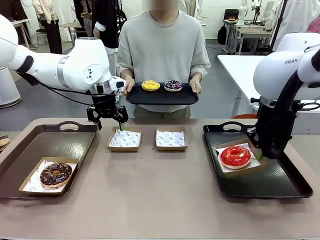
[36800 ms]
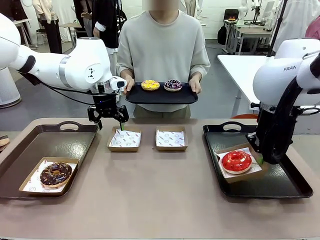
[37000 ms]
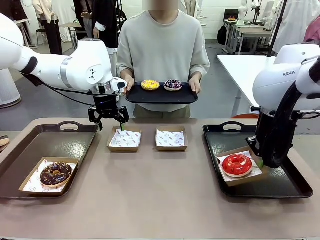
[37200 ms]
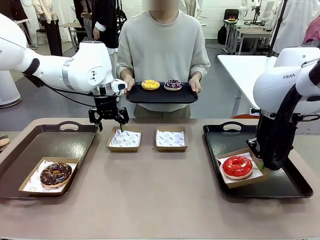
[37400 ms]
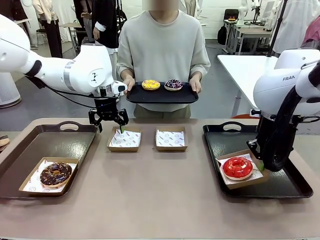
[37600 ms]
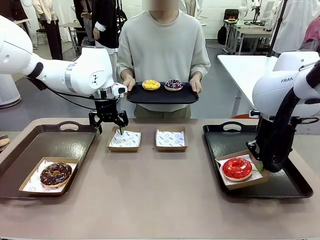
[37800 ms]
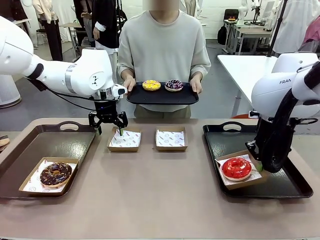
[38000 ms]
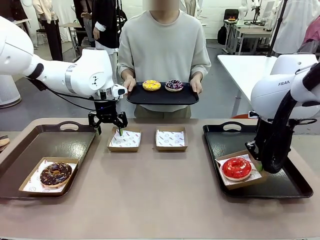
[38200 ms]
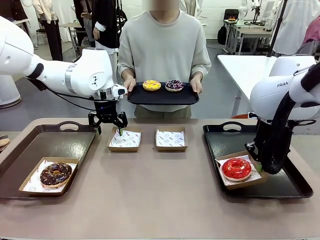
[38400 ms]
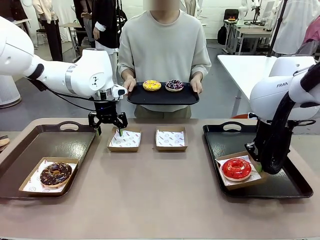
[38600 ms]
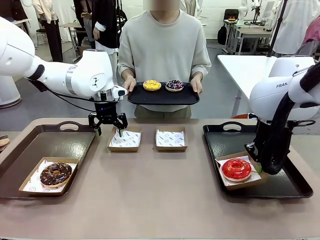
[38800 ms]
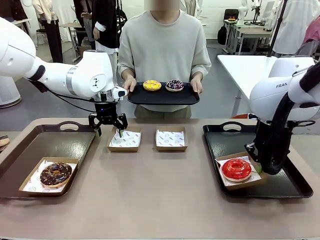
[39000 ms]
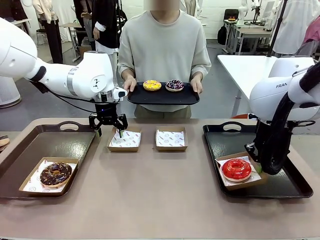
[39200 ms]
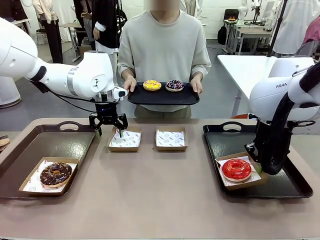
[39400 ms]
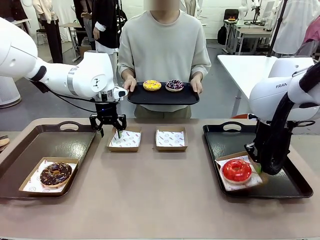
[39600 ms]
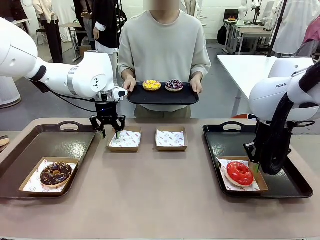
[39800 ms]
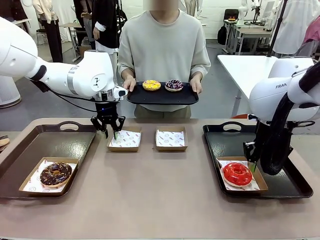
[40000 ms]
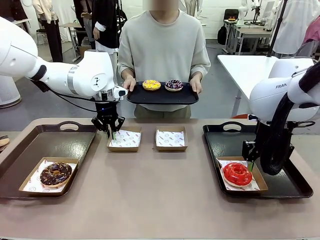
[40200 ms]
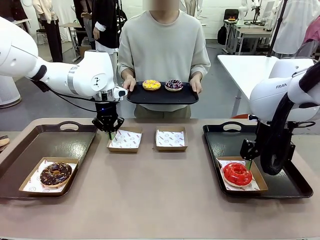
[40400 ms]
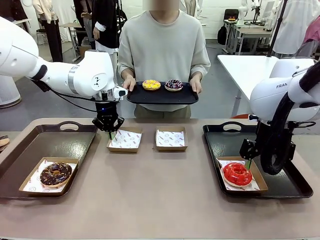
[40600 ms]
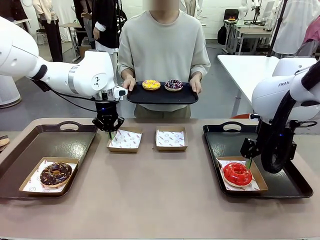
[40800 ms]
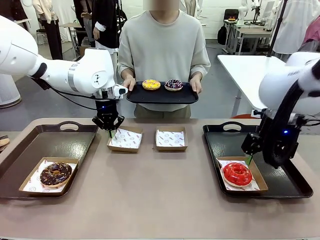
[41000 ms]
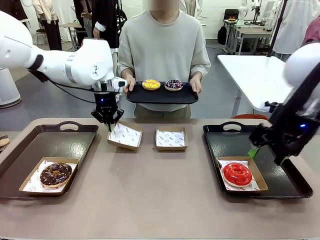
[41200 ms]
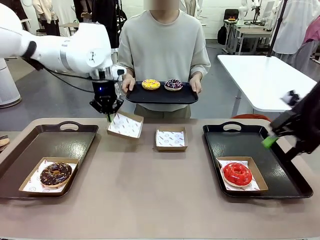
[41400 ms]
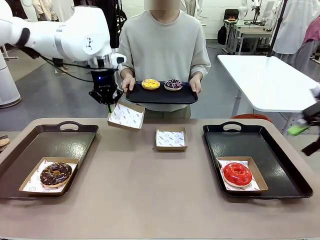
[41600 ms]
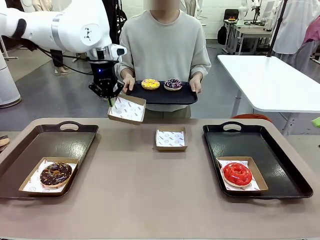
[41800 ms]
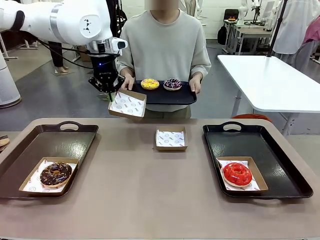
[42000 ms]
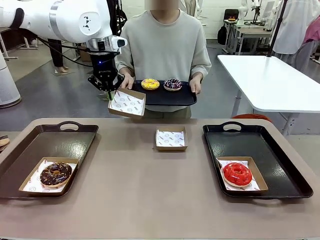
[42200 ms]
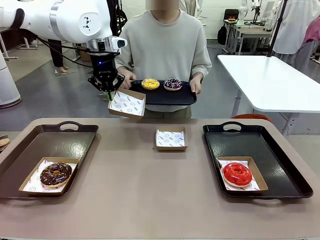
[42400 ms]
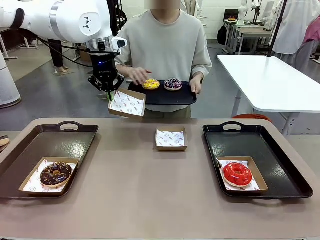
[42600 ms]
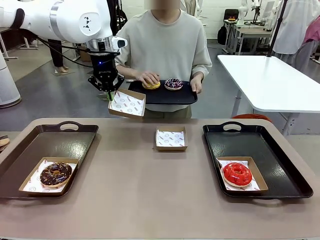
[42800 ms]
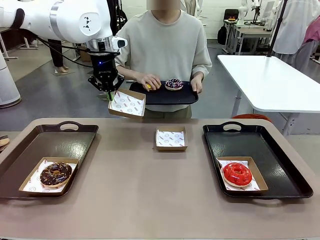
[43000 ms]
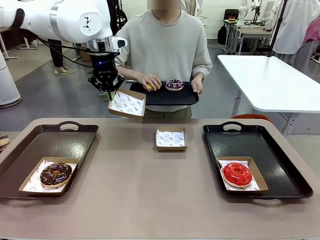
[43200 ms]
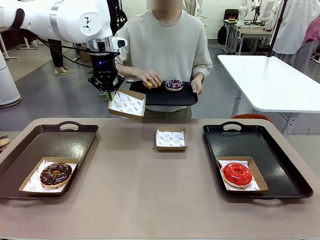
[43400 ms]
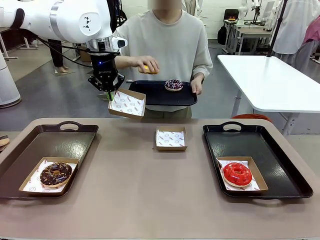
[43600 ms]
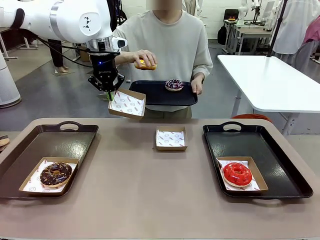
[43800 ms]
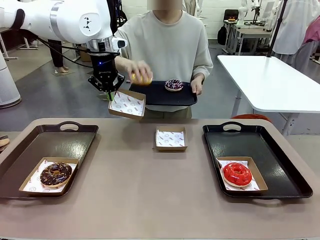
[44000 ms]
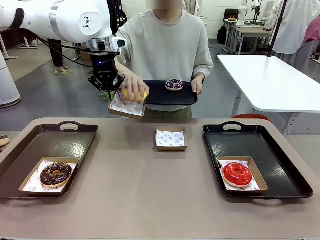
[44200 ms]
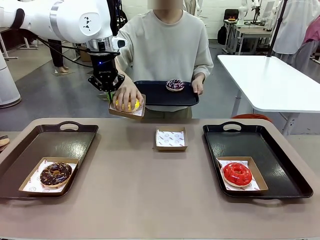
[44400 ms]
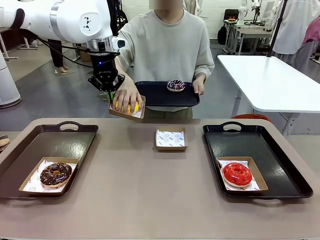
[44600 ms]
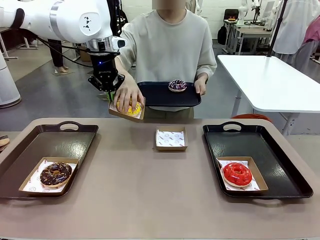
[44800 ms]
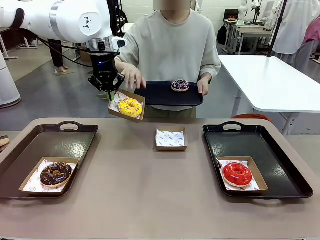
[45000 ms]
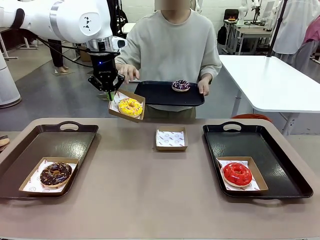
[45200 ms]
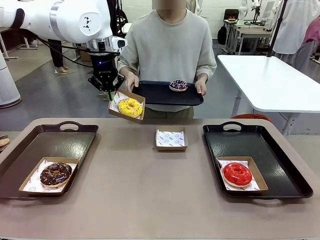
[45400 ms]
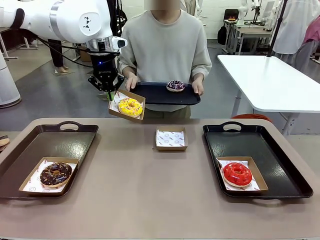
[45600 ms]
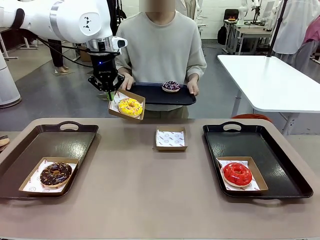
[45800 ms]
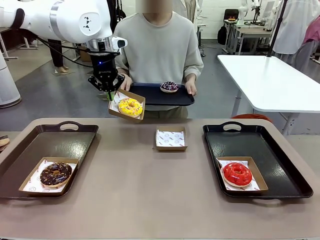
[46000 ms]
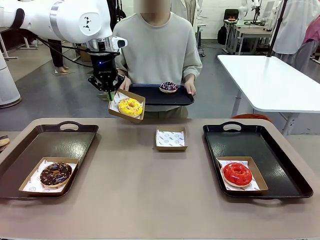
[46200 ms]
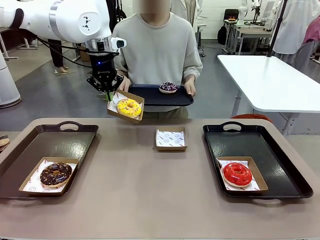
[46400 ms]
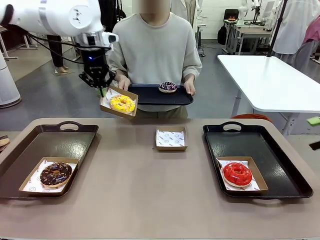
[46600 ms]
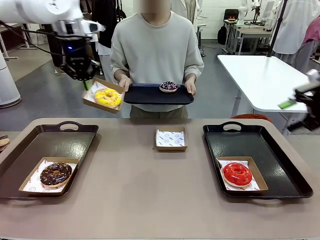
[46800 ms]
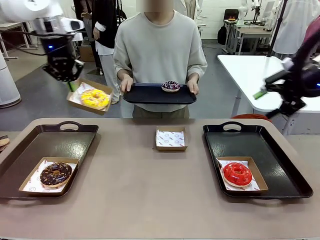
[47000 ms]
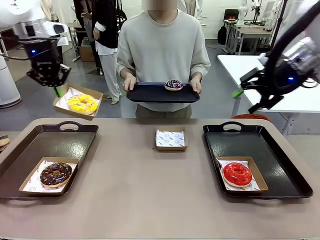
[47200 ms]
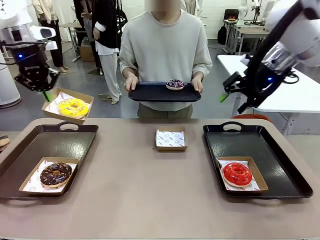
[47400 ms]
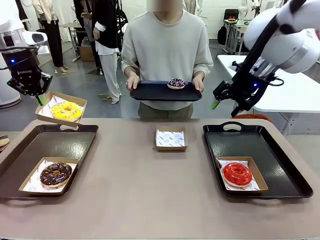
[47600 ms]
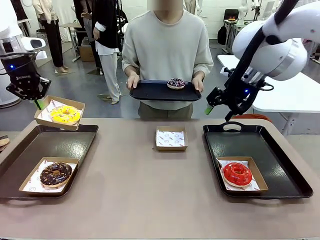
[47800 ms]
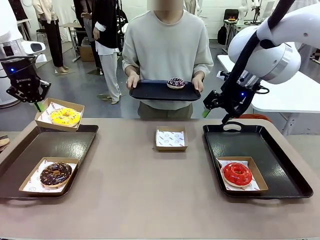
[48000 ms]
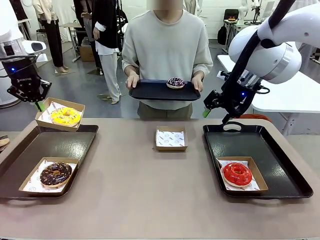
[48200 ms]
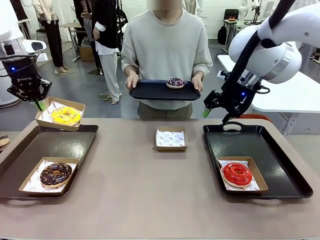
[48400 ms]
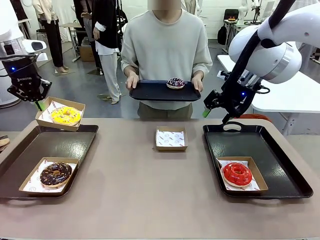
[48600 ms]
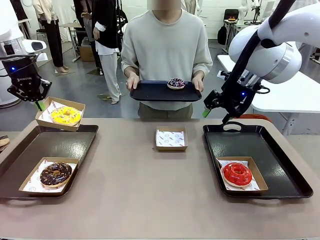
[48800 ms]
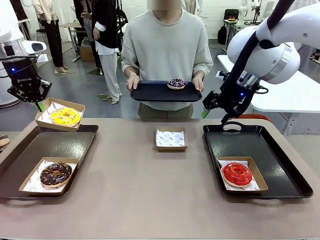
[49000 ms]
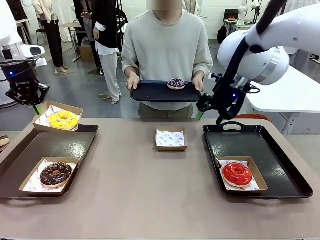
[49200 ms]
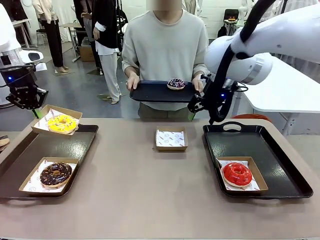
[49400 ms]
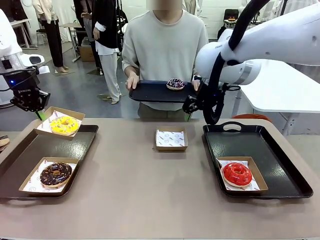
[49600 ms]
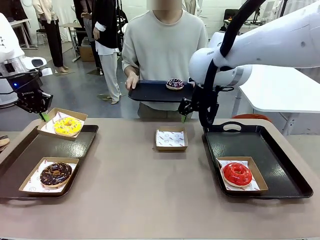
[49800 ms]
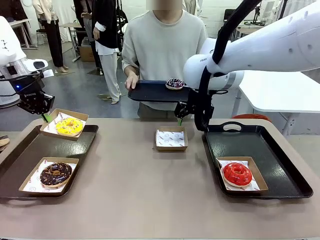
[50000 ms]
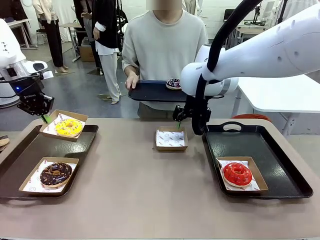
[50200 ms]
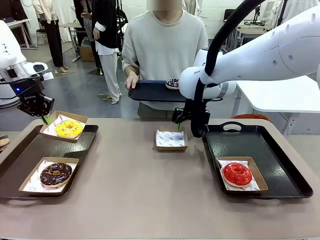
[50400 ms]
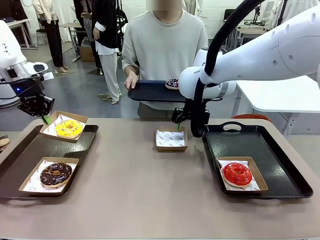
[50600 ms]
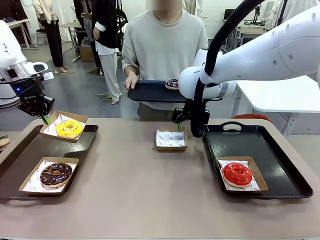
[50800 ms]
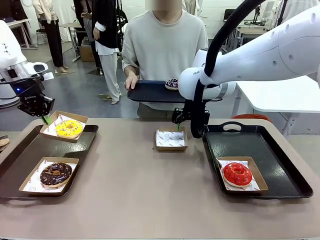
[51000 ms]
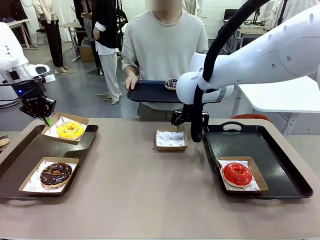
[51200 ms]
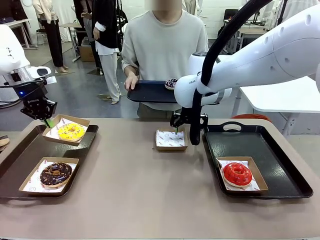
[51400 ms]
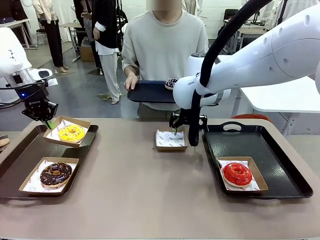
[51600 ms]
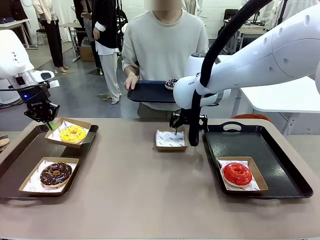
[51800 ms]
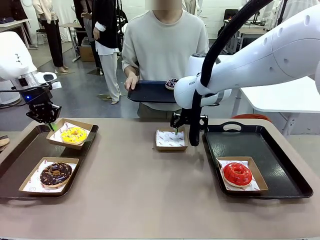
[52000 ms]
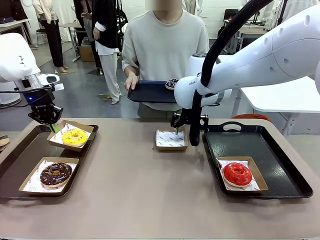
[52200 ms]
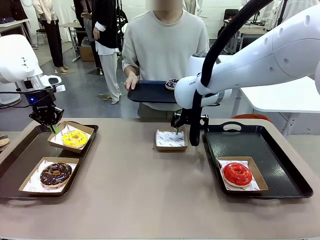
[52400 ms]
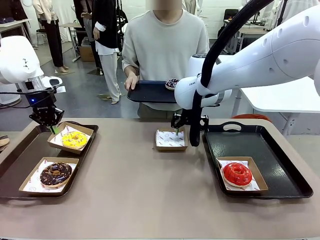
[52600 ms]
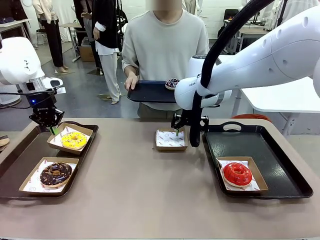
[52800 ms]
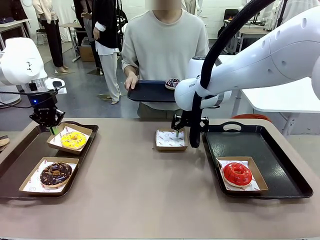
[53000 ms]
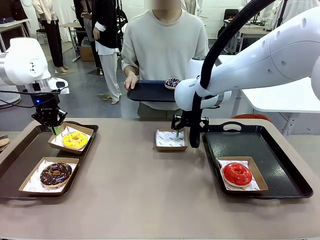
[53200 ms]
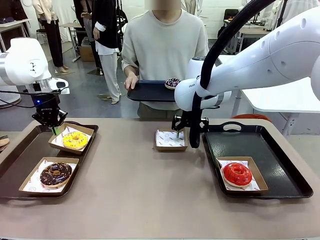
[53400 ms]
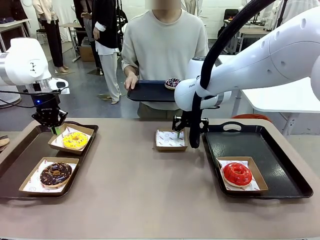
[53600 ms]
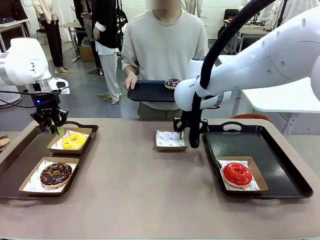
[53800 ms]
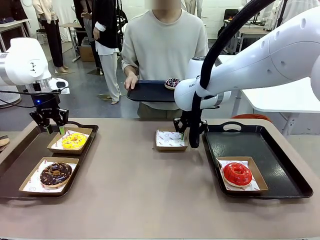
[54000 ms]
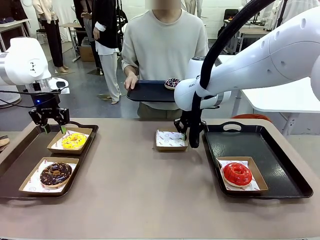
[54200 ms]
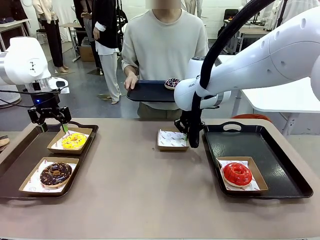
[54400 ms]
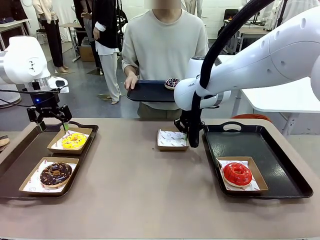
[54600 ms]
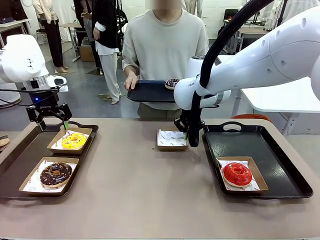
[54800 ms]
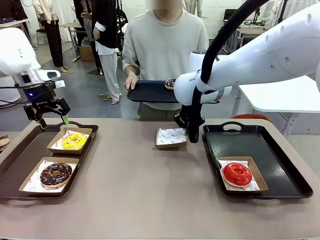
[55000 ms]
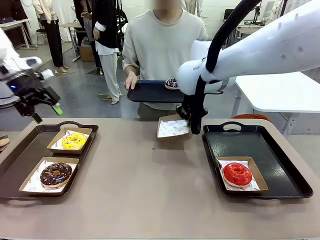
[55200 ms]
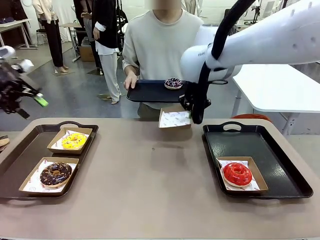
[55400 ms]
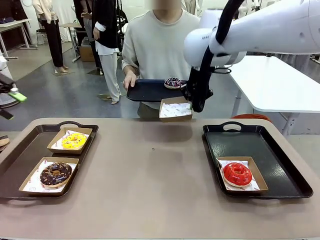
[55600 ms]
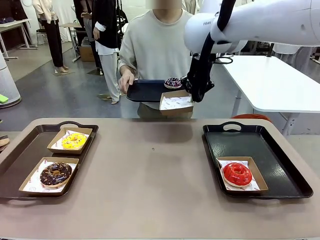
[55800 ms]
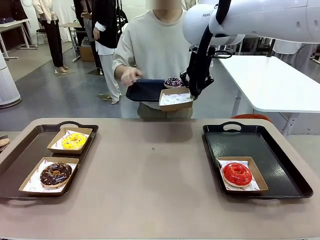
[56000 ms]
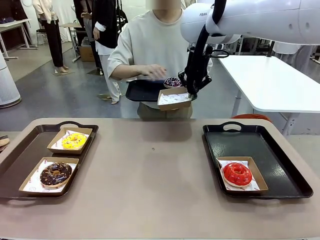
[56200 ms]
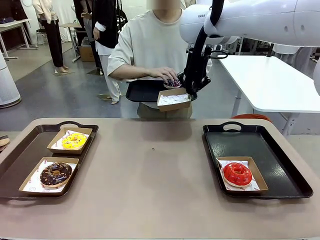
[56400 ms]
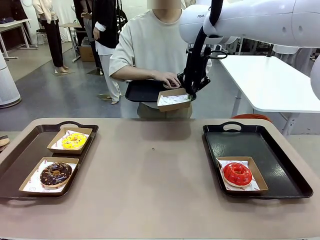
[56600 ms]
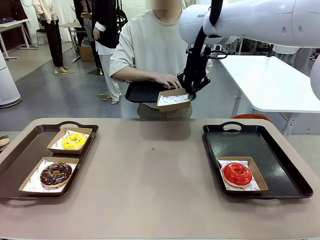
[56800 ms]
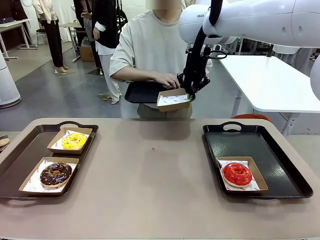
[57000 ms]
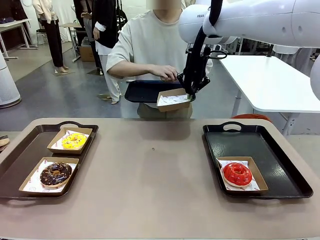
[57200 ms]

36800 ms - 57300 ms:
Task: Individually package the donuts and arrange them on the tray.
Robot: Place the picked Paper togo box on the Handle tray while simultaneously picking up another Paper togo box from the table with the other hand.
